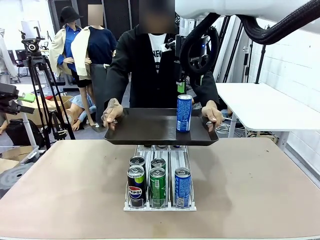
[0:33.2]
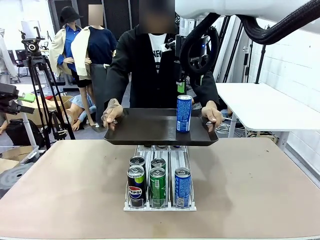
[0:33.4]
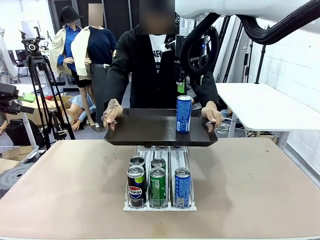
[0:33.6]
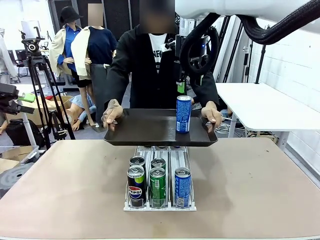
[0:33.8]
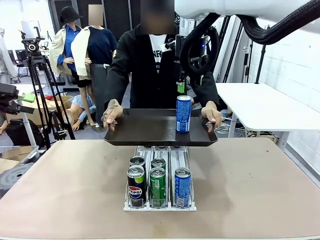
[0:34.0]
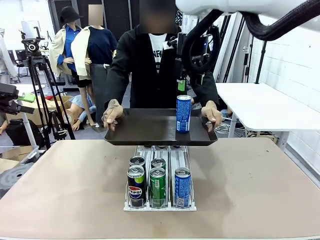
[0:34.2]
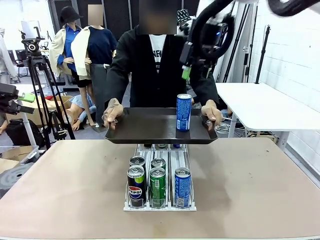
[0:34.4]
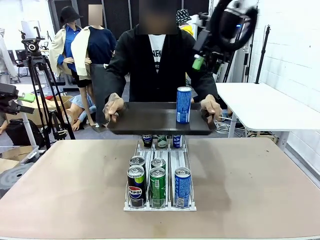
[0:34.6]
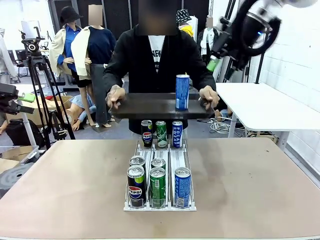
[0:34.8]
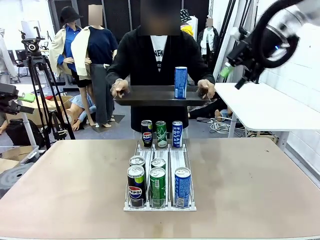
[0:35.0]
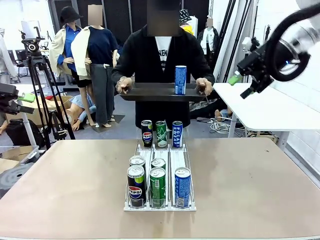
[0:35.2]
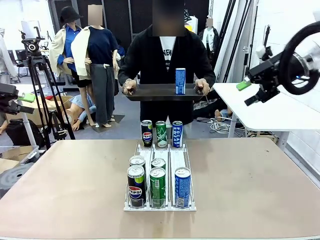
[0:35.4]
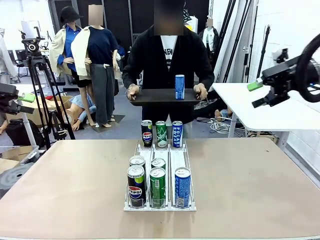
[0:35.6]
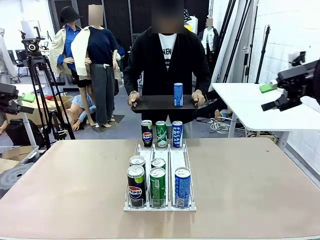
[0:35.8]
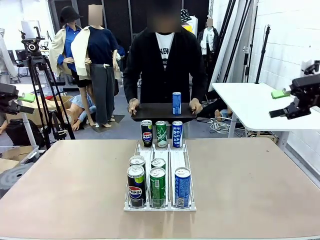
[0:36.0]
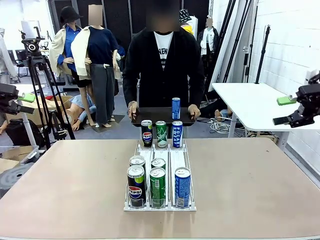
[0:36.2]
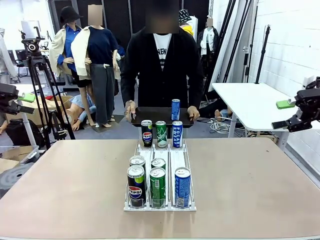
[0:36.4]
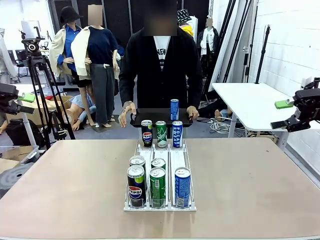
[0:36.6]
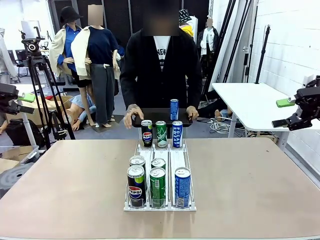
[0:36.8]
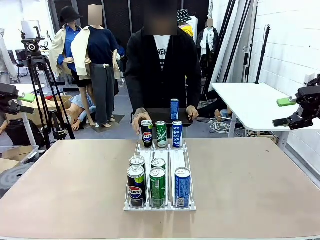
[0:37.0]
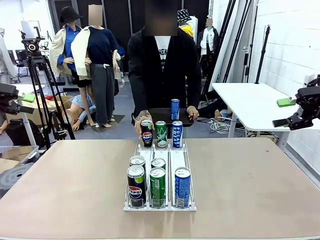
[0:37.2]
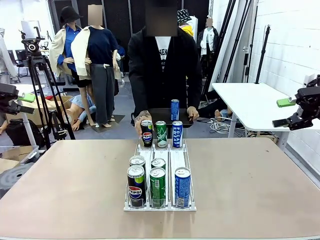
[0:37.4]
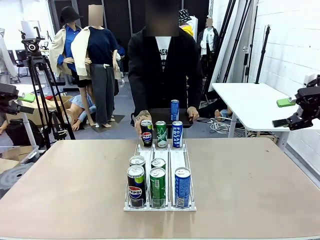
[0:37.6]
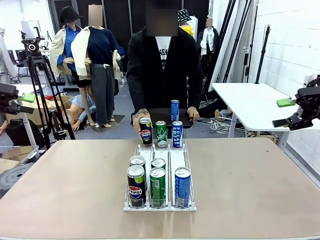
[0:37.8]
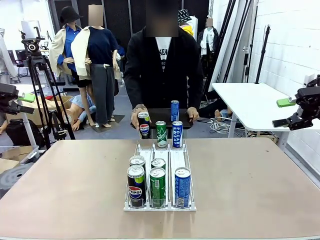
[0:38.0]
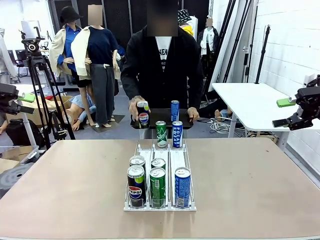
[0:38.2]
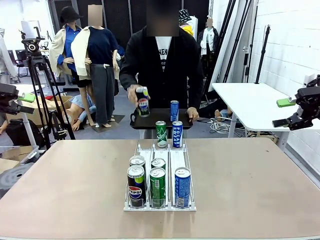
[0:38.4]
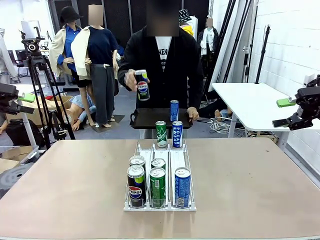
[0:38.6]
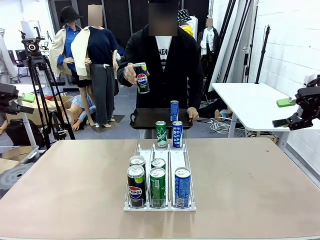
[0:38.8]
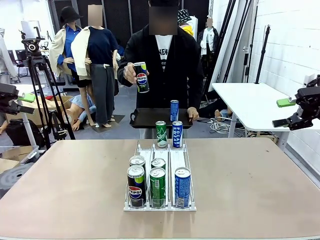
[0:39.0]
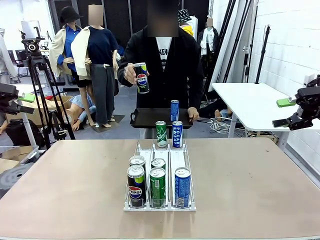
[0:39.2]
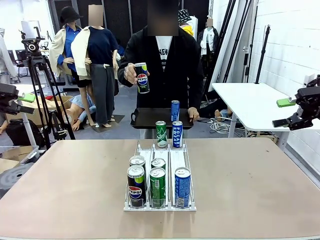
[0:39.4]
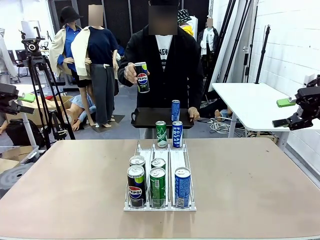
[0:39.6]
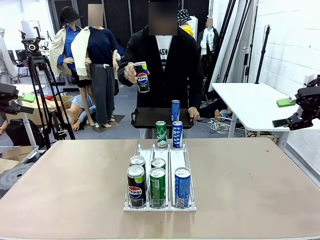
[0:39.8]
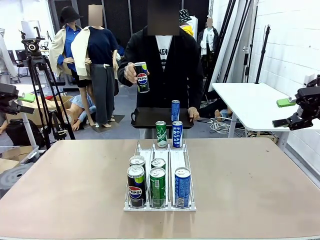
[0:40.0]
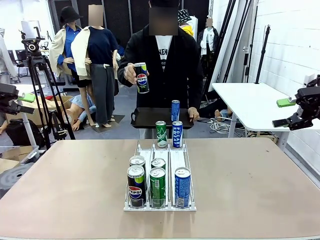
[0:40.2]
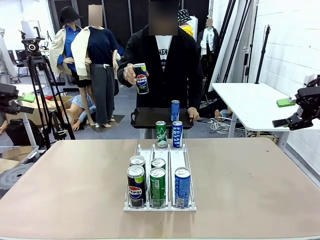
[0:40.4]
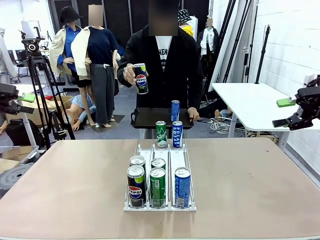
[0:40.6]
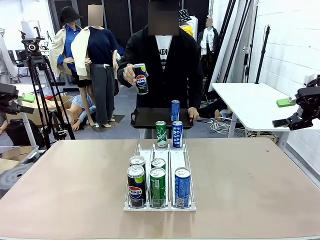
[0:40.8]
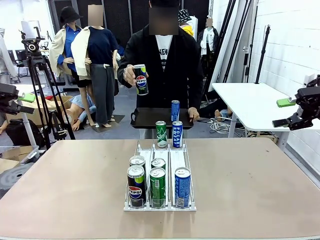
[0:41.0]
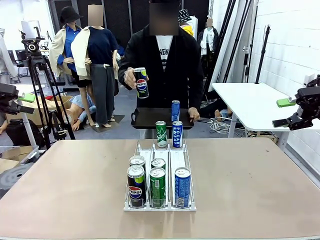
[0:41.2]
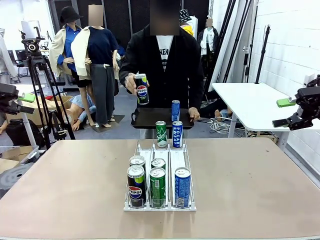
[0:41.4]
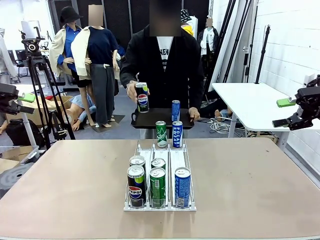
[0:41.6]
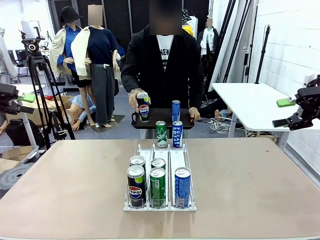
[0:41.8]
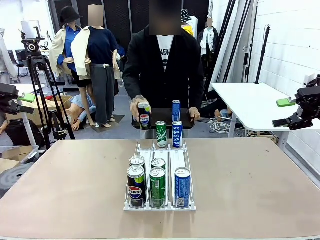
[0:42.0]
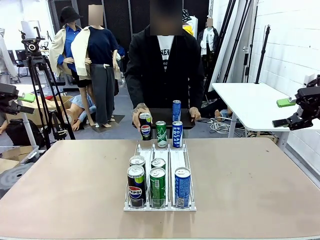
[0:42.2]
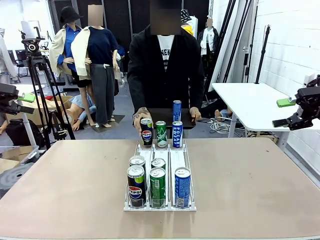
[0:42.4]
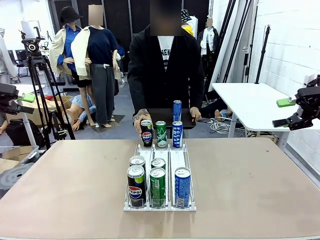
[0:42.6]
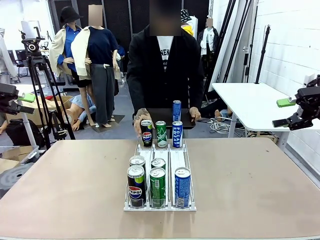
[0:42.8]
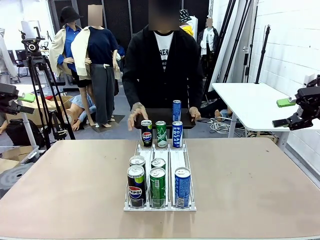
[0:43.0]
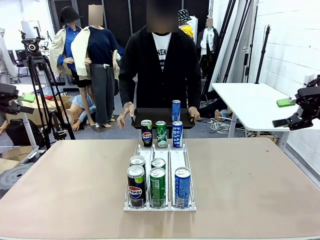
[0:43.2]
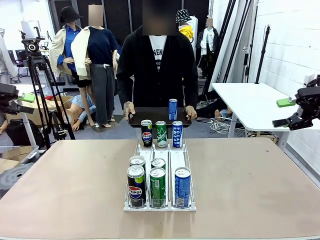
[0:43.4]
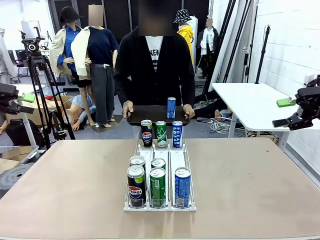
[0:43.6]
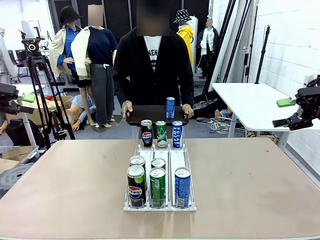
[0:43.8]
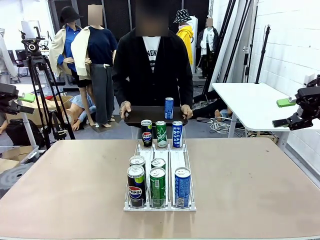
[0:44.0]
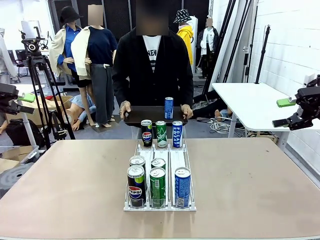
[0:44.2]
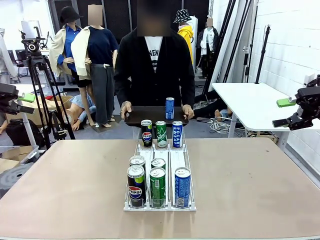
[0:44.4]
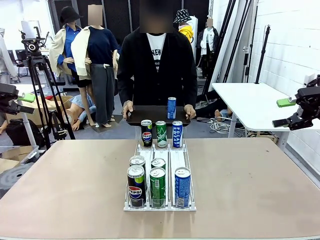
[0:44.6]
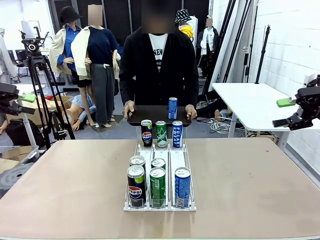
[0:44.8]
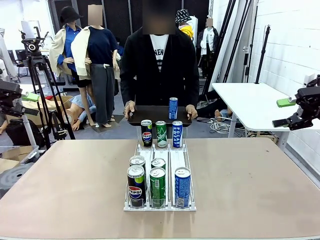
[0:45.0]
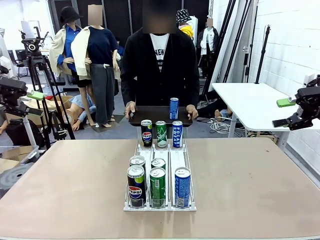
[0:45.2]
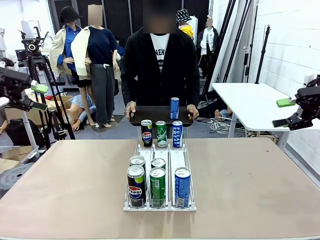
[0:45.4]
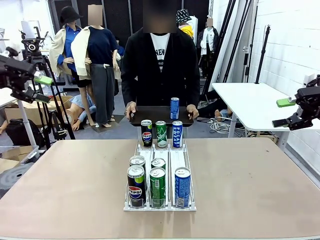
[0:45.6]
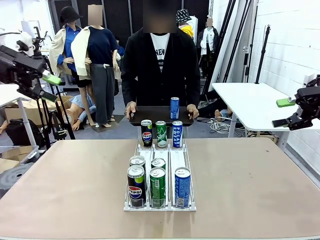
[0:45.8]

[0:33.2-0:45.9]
Task: Retrieve and hand over the desired beverage to the person.
Robot: Pick up another can of the same type that the person held from the Automatic Can Dispenser.
Person: Pull the tray back, then pick up another can from the bottom area of the table and puts it back in its original place.
